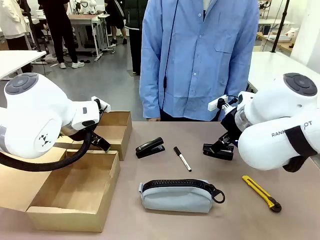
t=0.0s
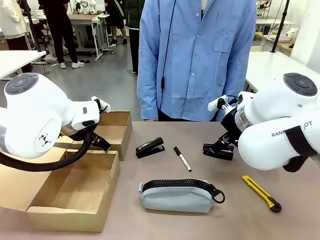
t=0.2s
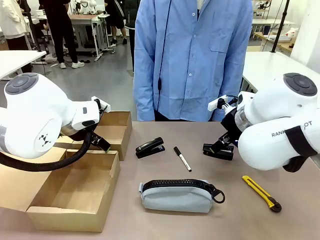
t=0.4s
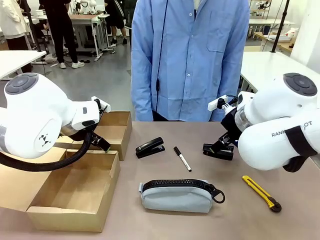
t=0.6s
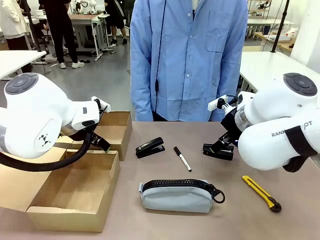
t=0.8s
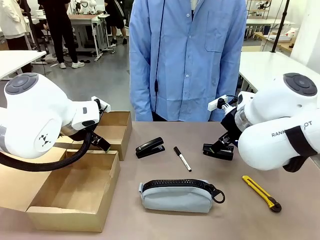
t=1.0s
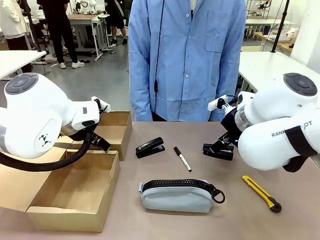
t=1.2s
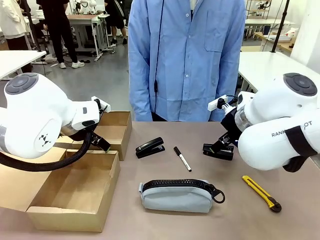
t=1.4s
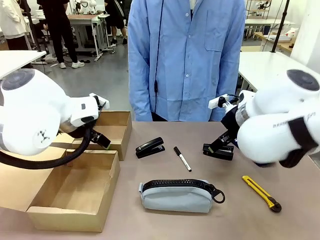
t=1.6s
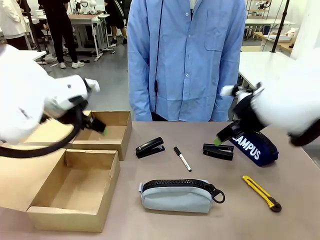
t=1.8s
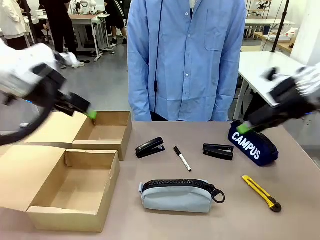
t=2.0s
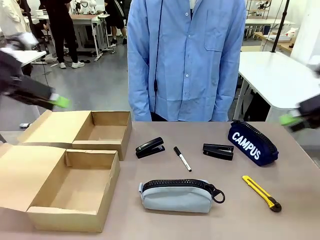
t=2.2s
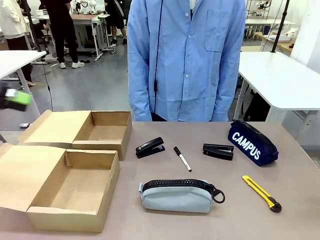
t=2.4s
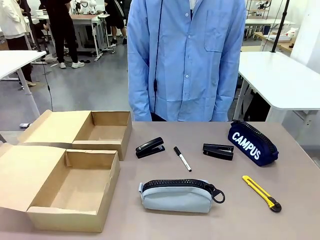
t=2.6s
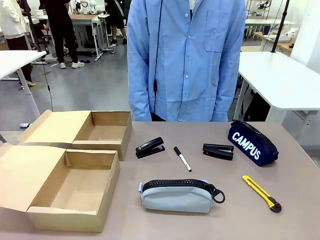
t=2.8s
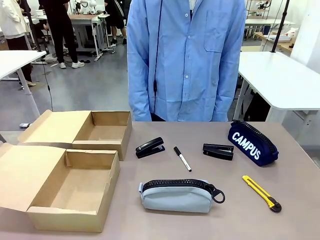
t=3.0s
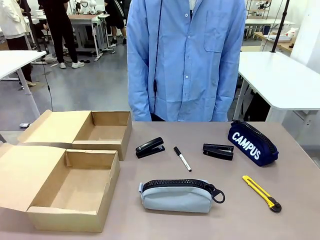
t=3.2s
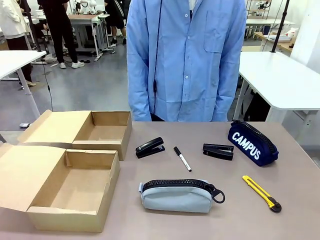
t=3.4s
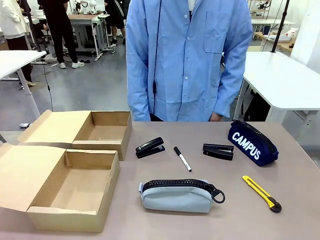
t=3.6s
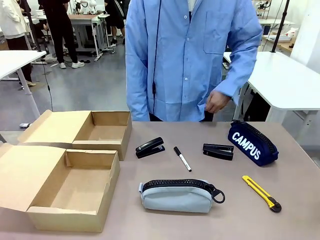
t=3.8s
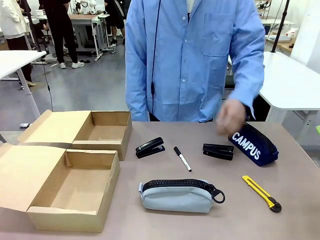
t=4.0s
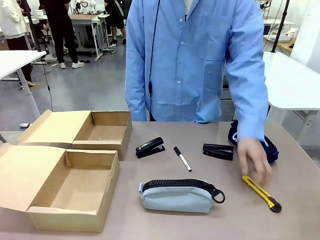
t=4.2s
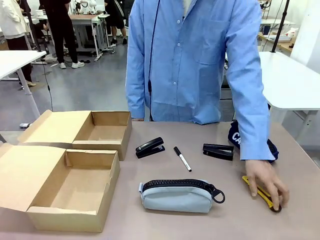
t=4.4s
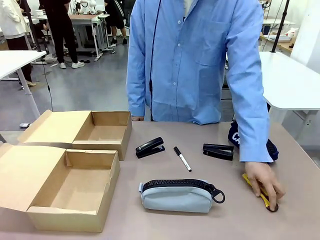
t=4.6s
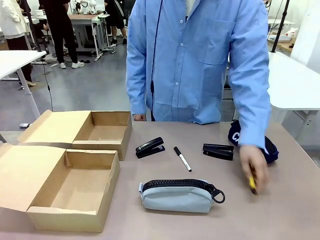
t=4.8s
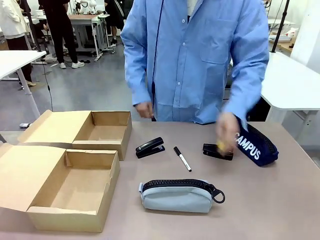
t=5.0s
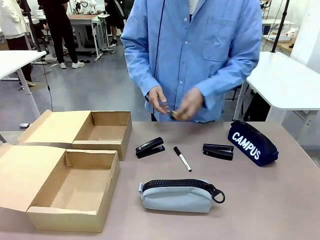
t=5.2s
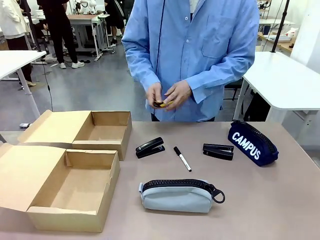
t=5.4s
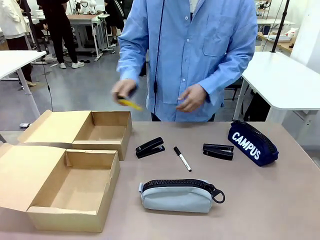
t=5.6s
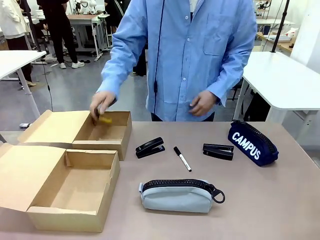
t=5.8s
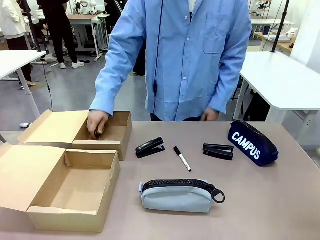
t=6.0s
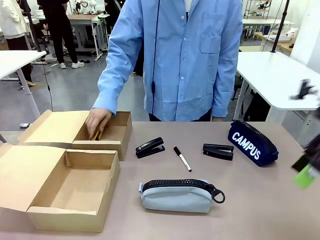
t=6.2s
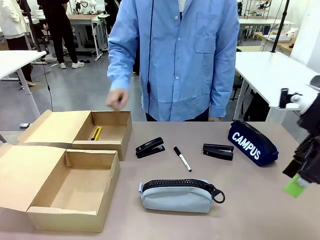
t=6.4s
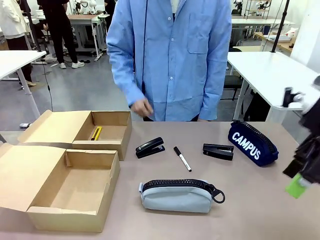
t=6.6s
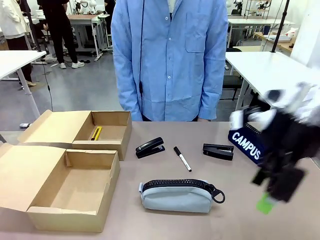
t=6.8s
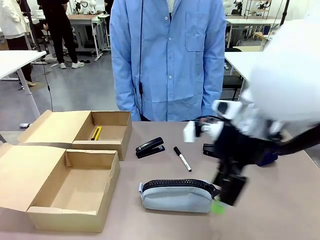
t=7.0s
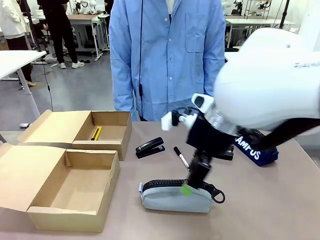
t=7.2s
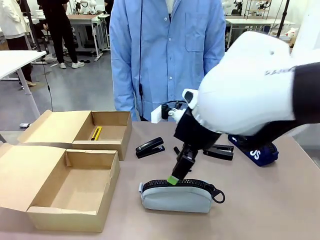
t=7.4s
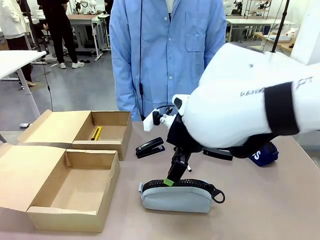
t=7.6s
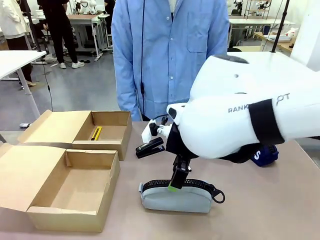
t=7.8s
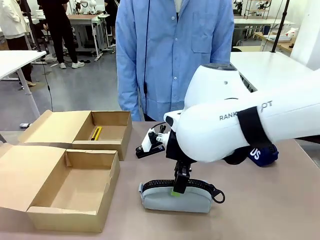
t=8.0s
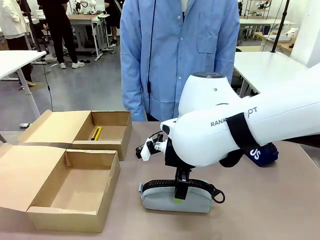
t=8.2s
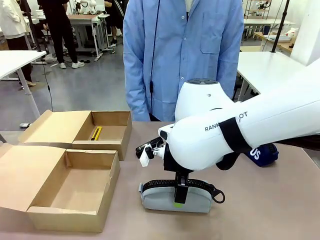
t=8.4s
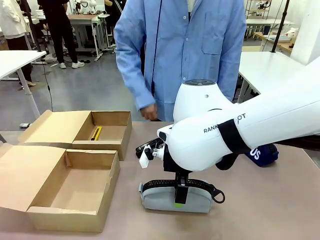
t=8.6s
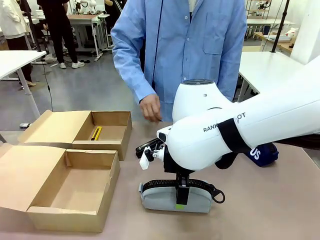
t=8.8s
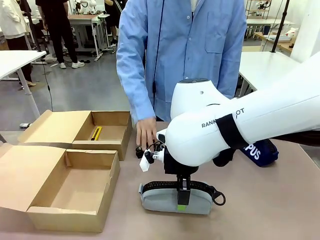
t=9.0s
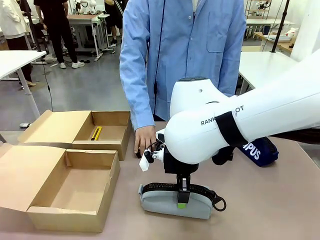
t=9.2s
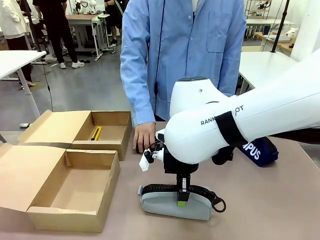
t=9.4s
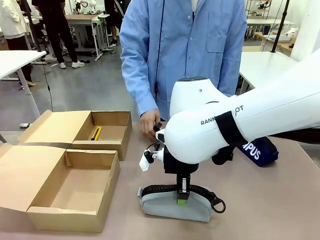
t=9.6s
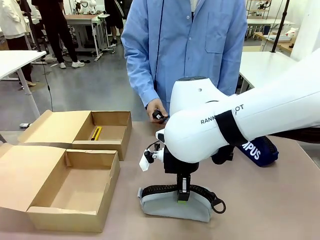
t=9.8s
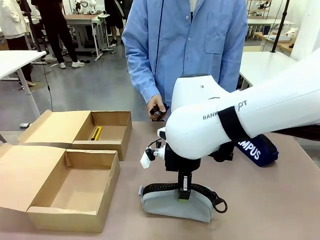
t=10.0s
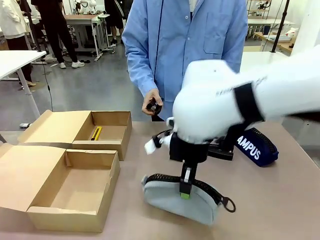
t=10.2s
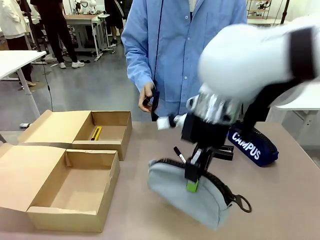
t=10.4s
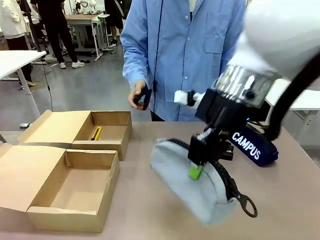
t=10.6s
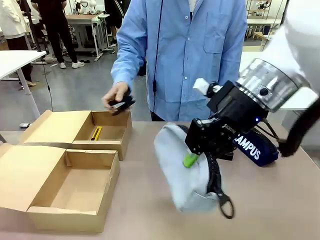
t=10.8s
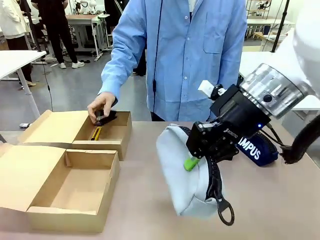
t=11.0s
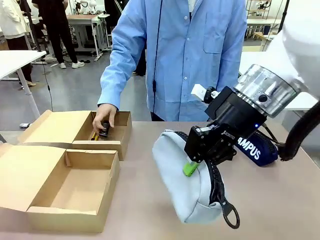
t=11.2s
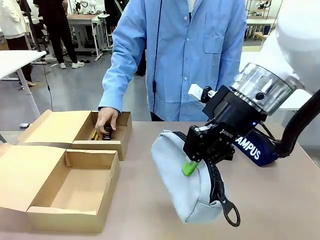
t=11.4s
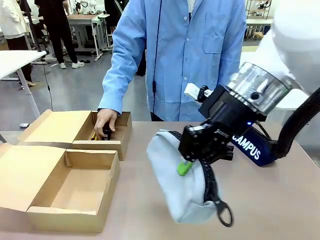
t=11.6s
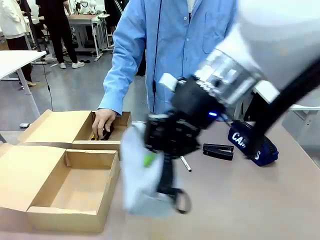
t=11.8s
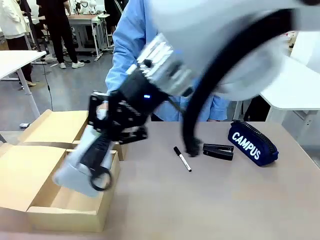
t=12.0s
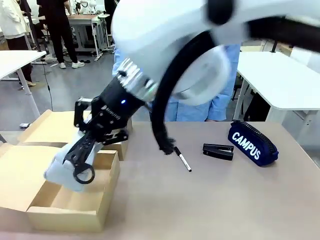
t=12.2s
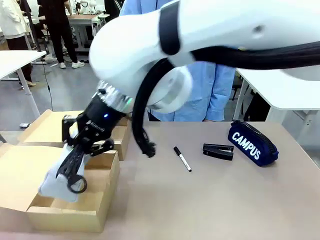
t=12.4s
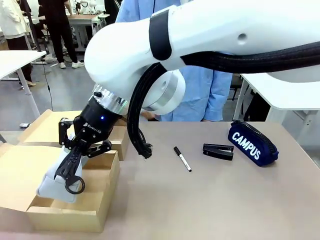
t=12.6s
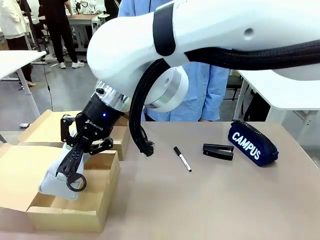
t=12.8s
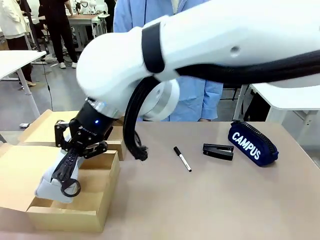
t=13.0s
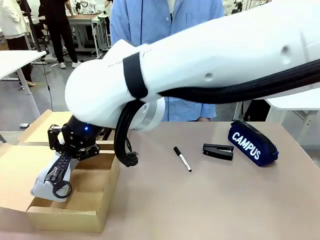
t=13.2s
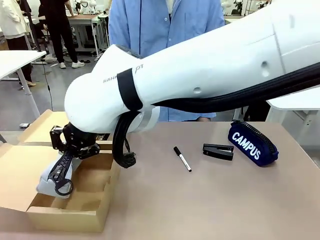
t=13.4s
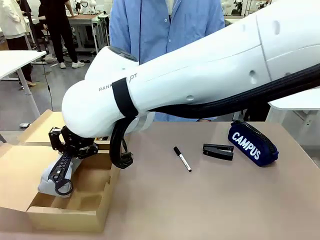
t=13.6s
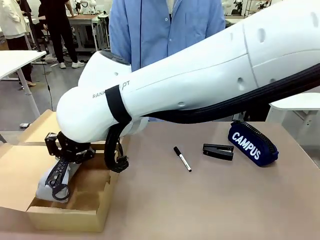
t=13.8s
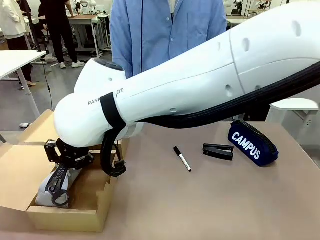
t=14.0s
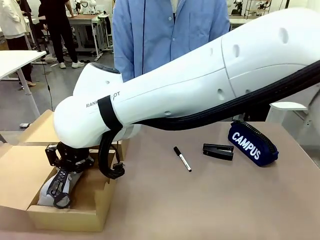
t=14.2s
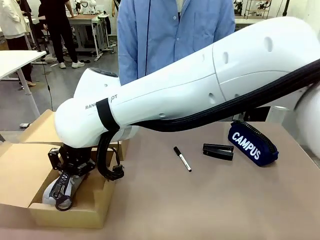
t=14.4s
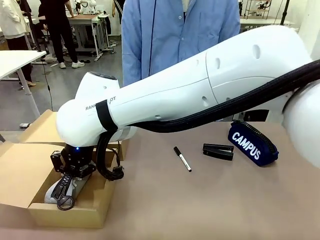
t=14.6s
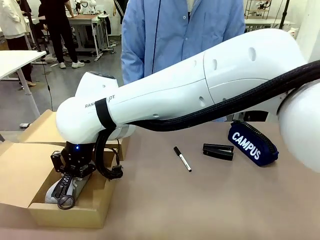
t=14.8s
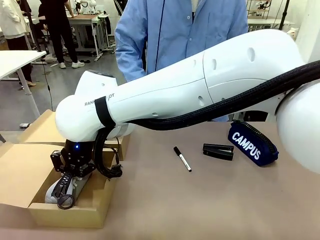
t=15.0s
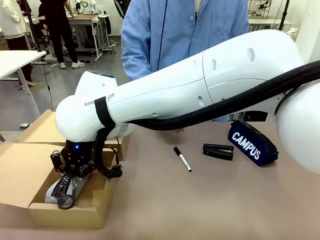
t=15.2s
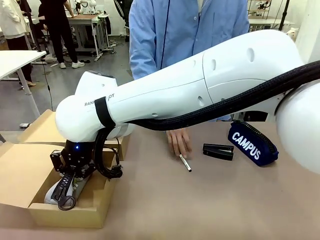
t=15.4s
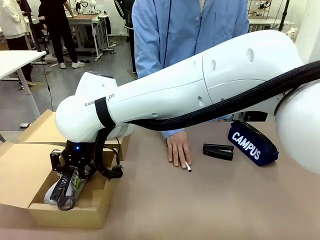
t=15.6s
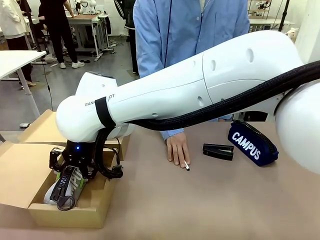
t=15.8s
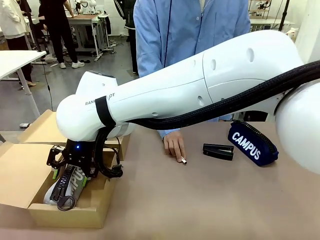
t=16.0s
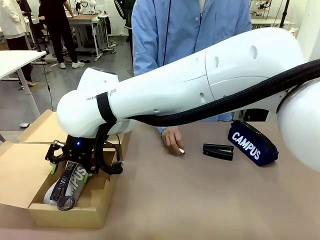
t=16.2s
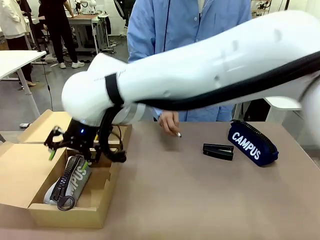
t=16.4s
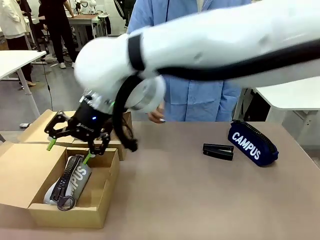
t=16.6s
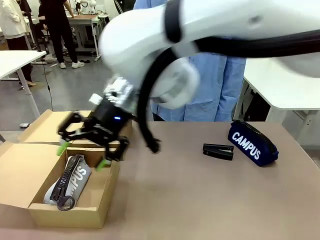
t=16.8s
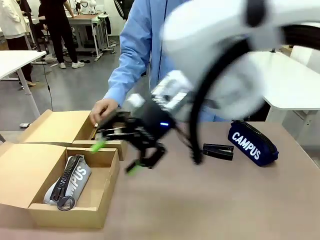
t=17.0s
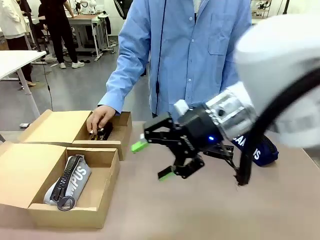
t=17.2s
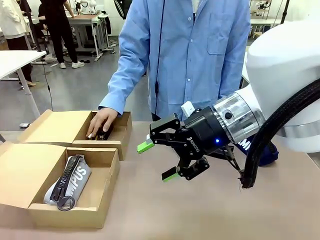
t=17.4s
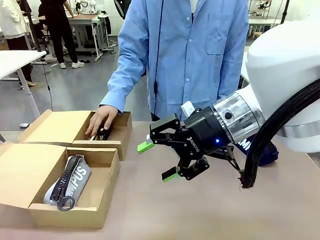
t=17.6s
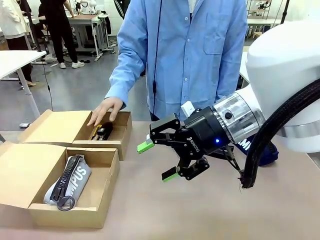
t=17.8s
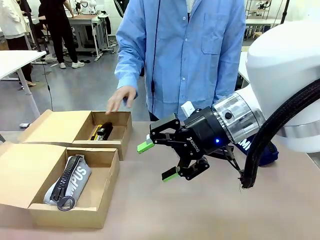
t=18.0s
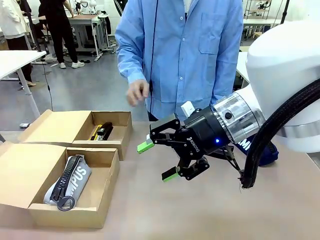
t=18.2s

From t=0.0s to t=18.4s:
Task: Place items inside the box.
Robot: Pick up a Pencil pouch or Stapler and place it inside the Mailer Box closest to the robot.
Person: Pick up an object on the table and put it in the box.
